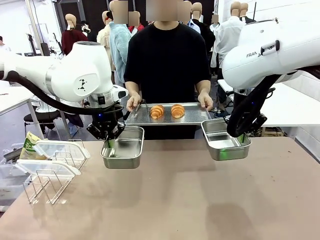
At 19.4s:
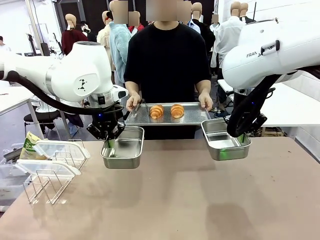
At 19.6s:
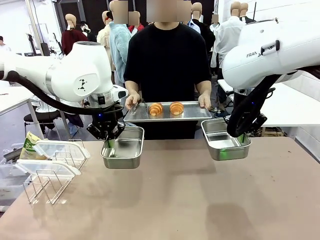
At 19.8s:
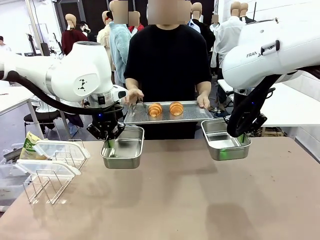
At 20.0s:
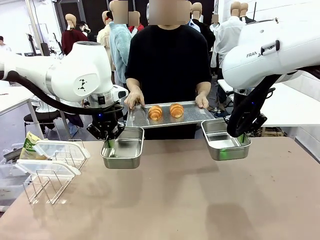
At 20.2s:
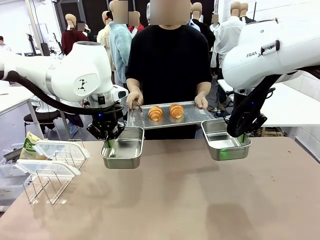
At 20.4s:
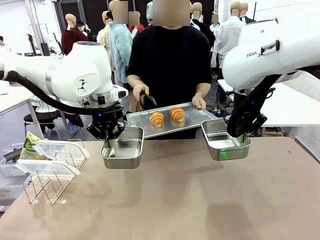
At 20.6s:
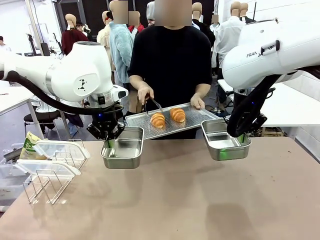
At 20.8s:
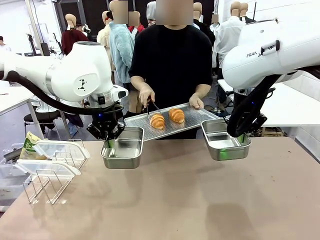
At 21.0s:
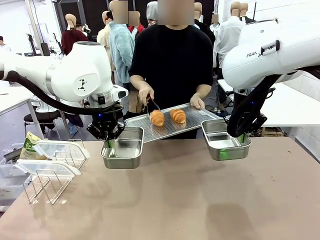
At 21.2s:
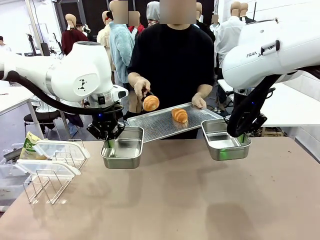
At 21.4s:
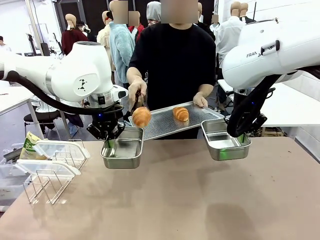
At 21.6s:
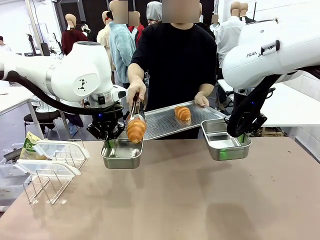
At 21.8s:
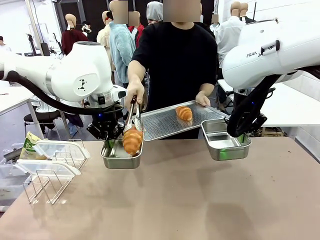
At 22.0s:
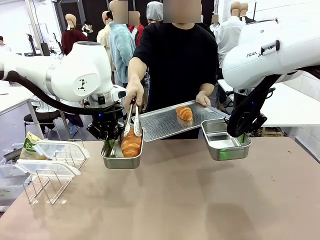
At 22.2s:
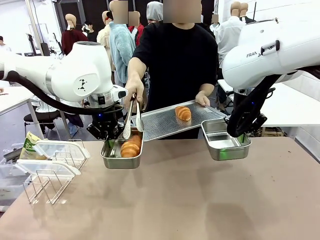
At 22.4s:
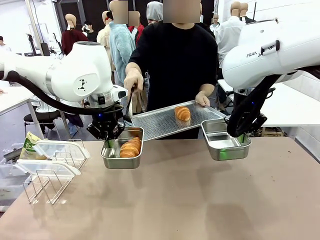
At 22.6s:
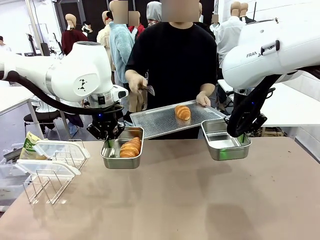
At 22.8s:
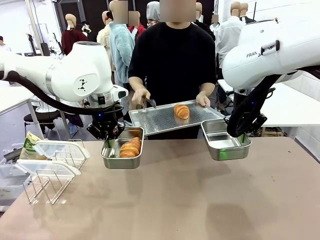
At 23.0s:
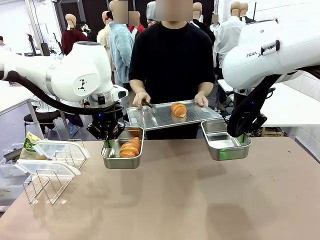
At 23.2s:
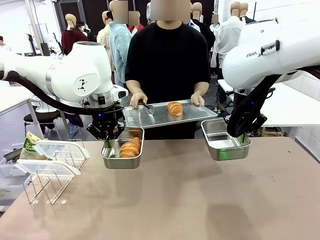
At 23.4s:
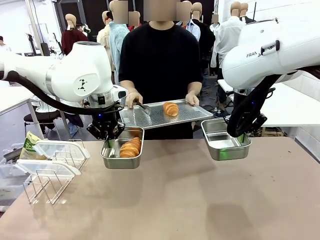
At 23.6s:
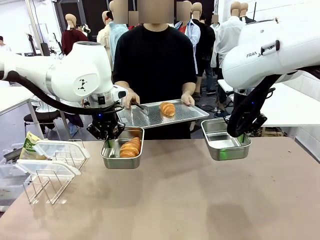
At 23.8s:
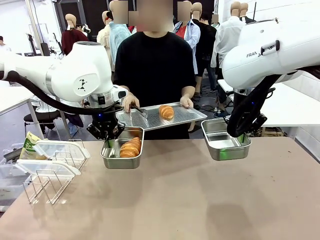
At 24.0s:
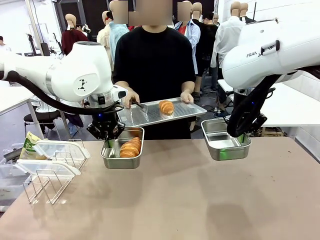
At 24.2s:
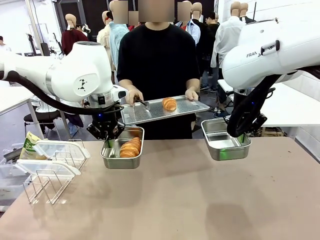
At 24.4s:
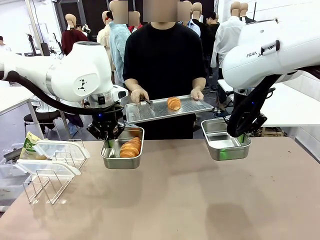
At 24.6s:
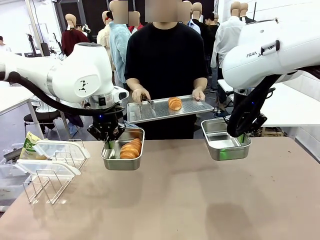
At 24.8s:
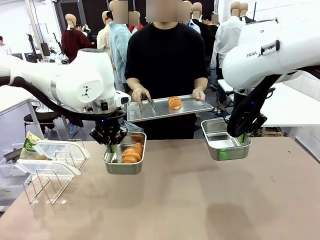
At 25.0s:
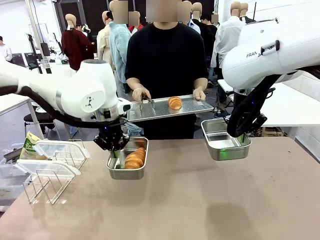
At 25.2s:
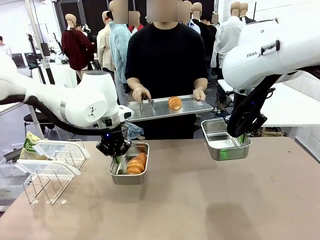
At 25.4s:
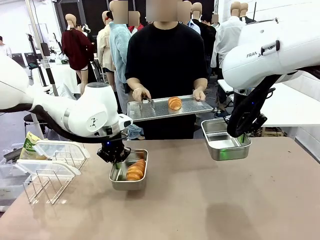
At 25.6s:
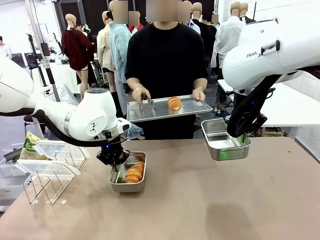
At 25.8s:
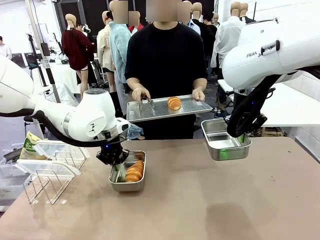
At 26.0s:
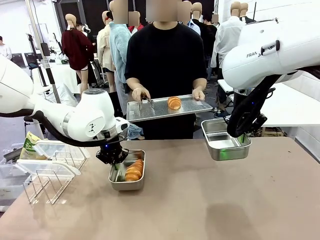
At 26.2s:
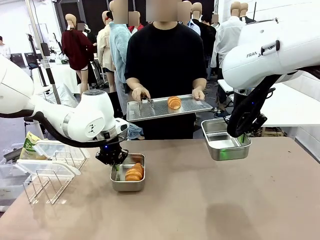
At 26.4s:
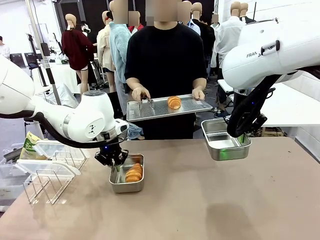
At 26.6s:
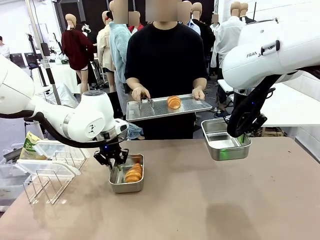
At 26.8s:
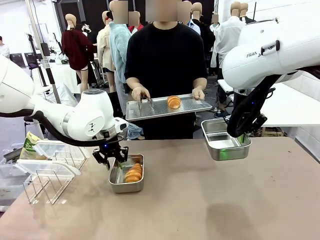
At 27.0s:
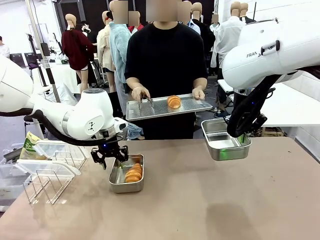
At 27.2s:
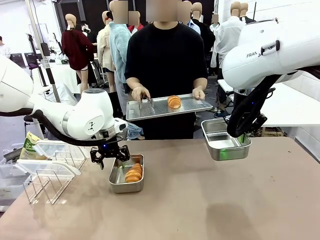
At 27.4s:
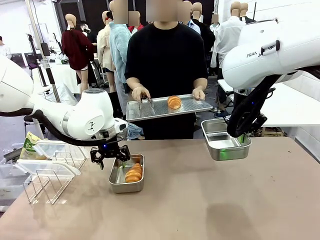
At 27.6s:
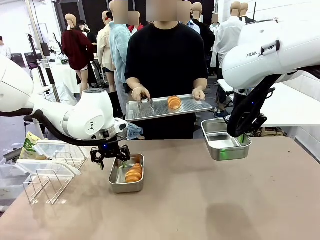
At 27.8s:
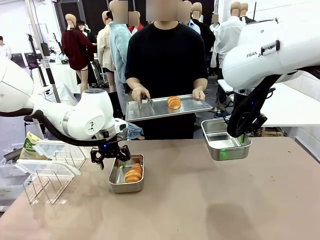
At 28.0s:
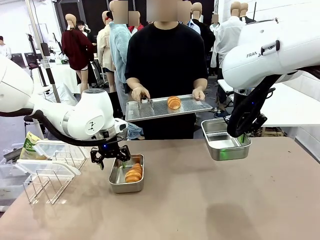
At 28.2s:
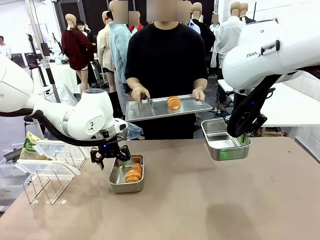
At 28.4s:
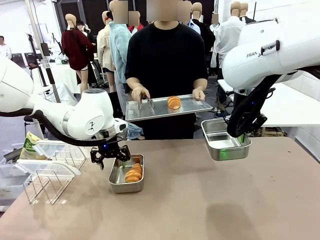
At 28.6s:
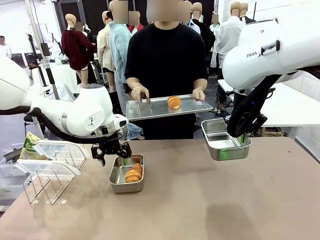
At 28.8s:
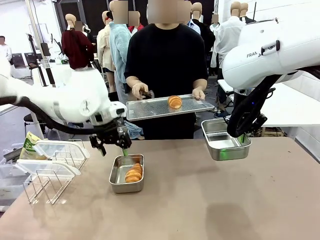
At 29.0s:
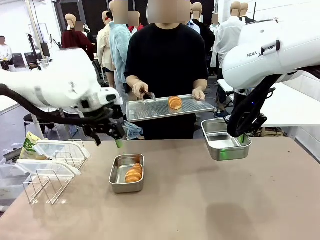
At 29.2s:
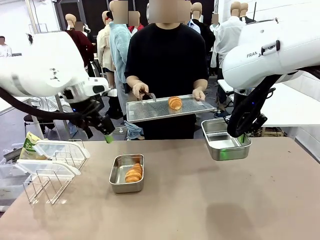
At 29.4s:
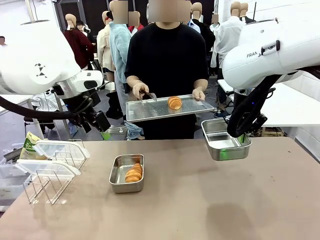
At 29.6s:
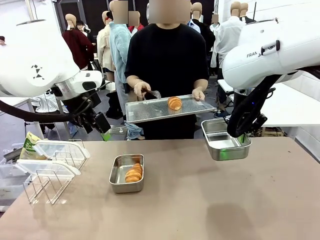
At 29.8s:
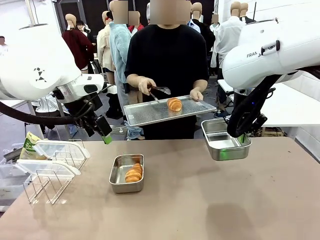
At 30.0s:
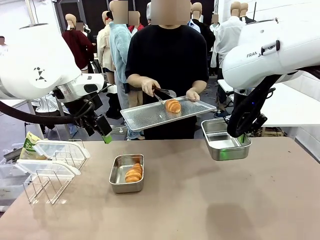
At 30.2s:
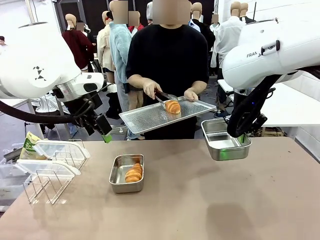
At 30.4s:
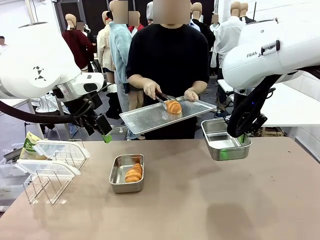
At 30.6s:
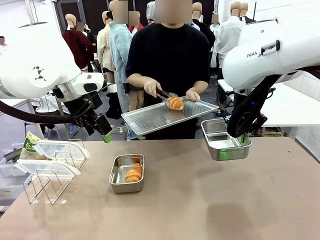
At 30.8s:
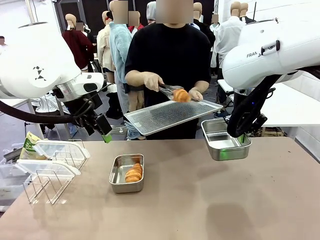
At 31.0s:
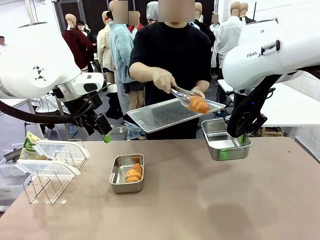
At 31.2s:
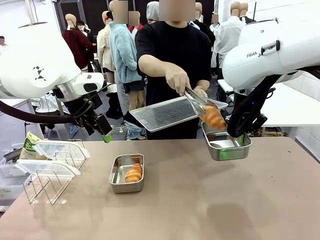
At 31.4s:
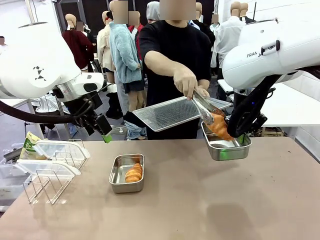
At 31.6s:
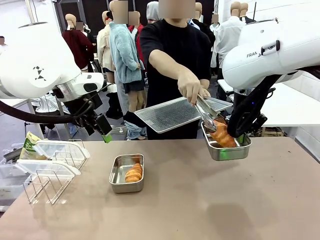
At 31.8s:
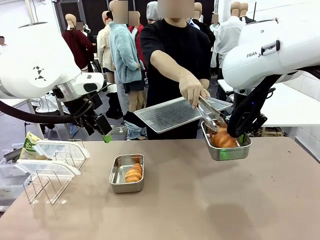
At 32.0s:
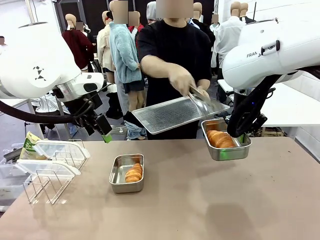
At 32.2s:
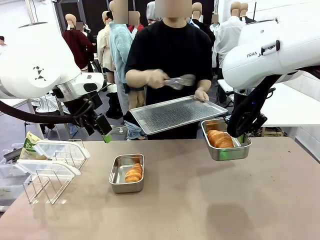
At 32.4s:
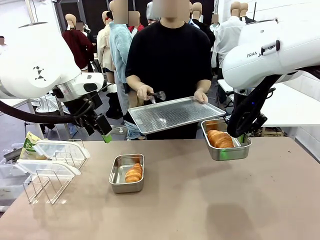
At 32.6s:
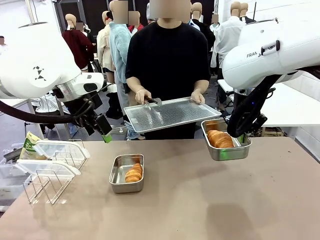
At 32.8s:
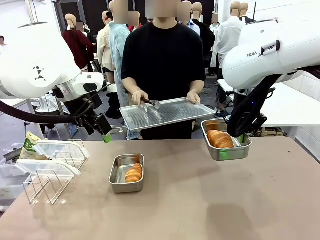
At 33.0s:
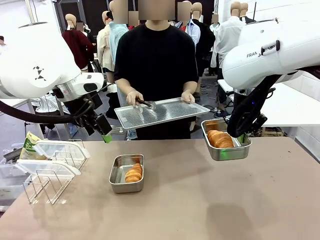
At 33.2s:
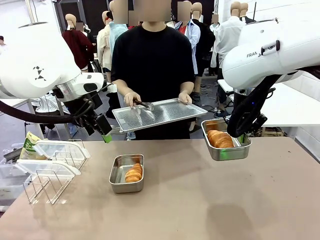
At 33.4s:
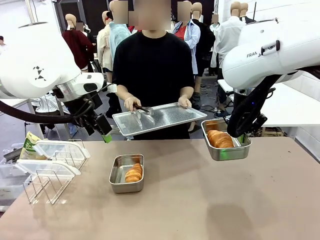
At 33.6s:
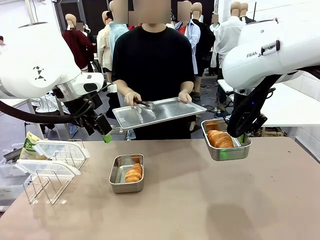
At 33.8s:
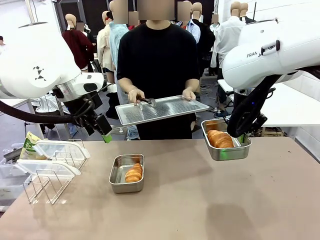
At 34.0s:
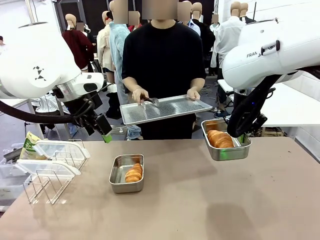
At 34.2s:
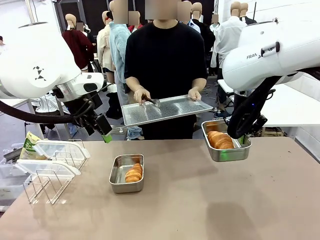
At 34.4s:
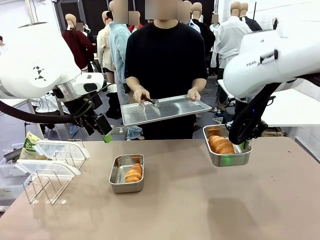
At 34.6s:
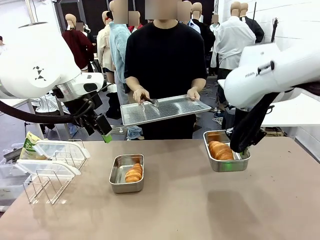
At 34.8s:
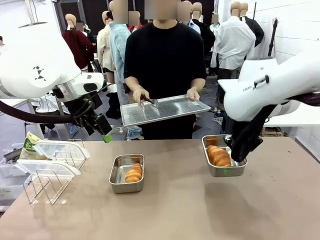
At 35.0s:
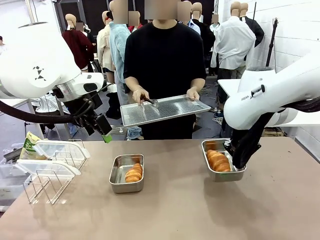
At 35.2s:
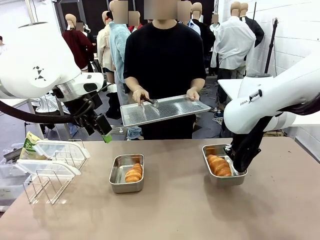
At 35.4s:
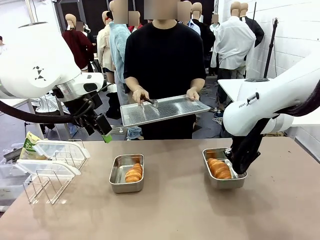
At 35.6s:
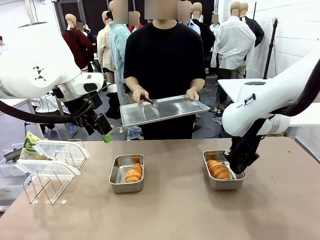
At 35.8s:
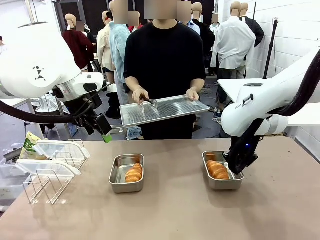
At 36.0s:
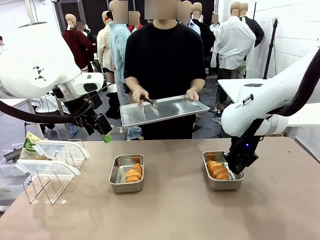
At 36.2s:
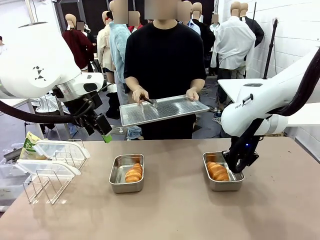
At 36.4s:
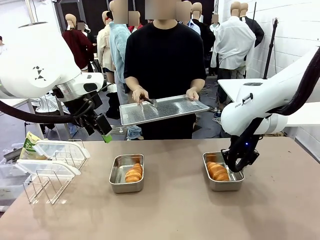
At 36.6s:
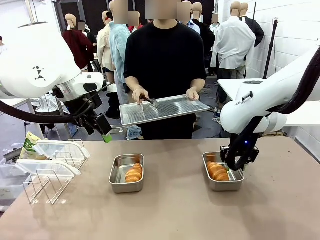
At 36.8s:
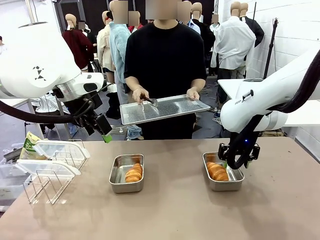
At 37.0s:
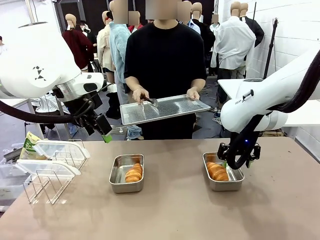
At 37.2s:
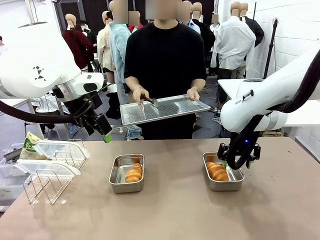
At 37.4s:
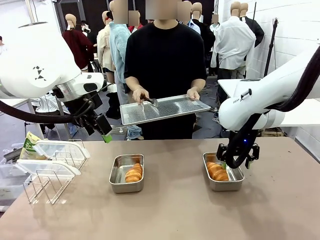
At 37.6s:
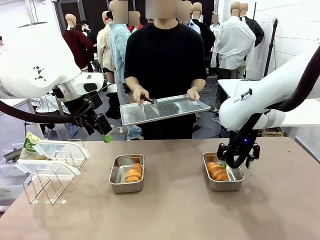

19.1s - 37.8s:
Task: Place the bread in airtight containers.
Robot: Once an object is inside an Airtight Container , place the container in the center of the table.
Person: Use the Stainless steel tongs to place one object from Baking Sheet into one Airtight Container.
